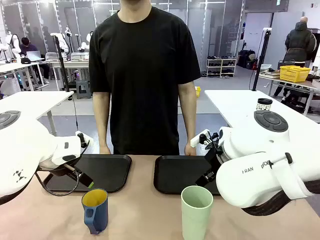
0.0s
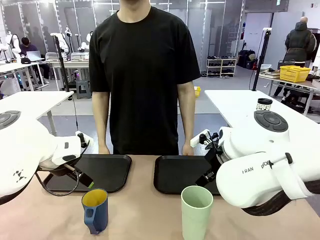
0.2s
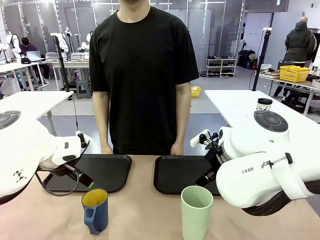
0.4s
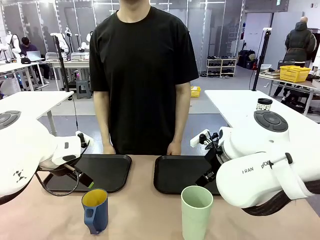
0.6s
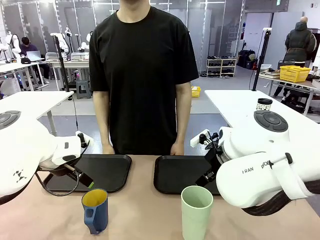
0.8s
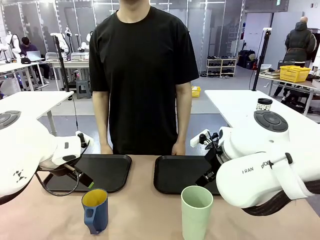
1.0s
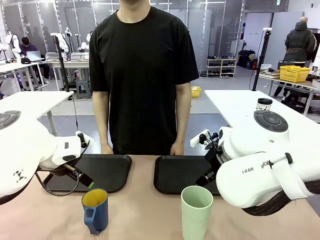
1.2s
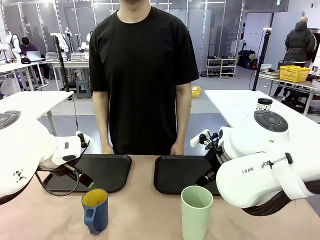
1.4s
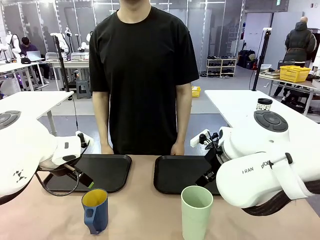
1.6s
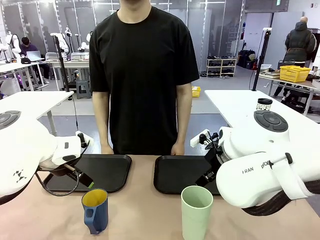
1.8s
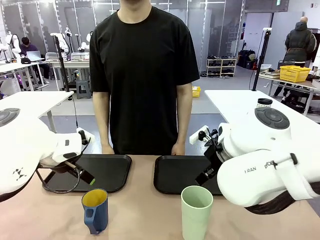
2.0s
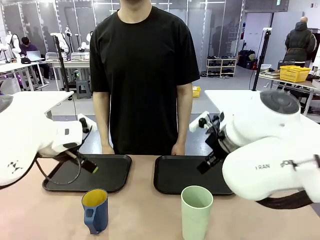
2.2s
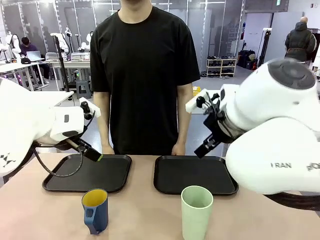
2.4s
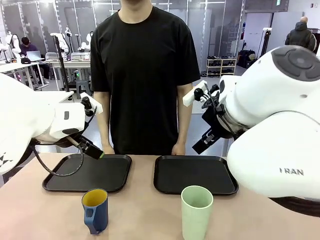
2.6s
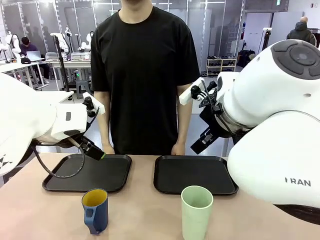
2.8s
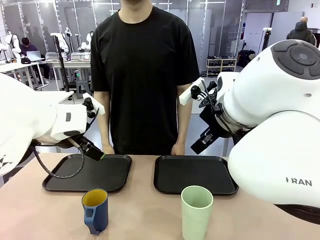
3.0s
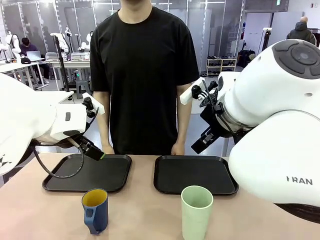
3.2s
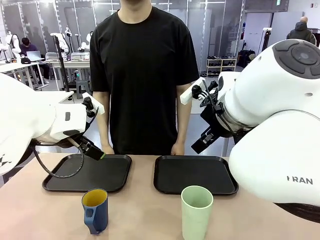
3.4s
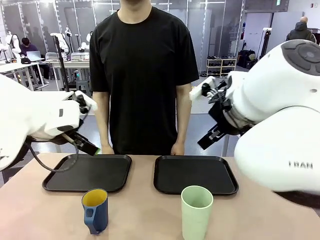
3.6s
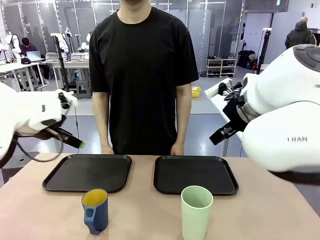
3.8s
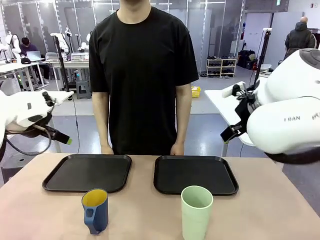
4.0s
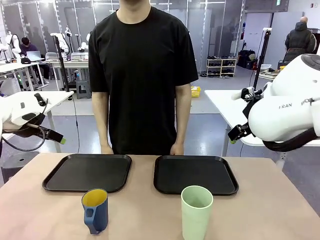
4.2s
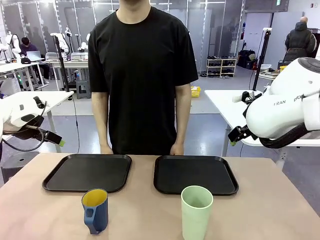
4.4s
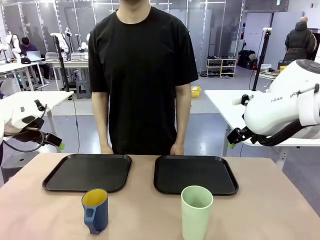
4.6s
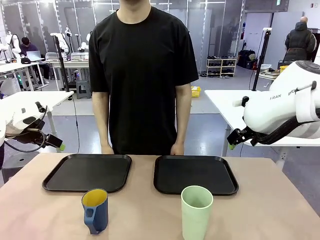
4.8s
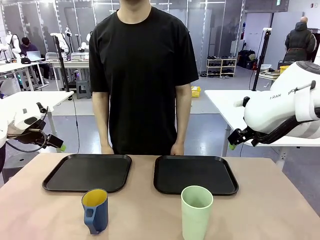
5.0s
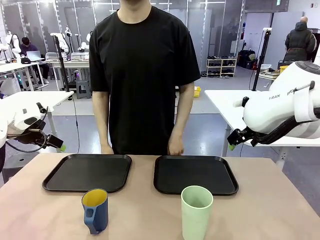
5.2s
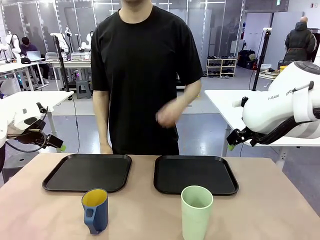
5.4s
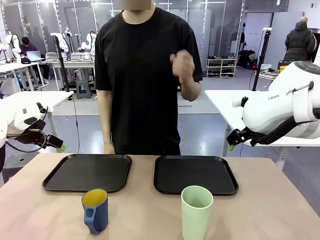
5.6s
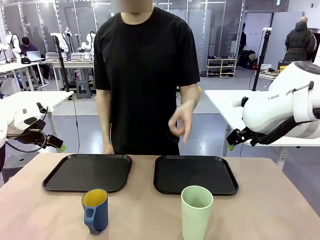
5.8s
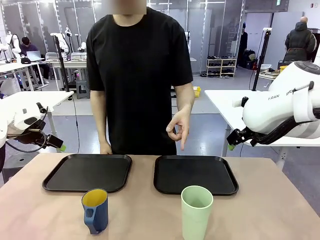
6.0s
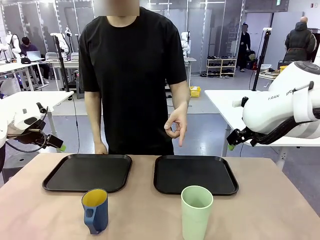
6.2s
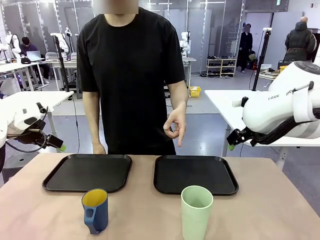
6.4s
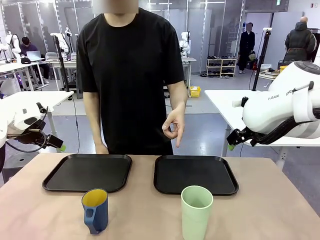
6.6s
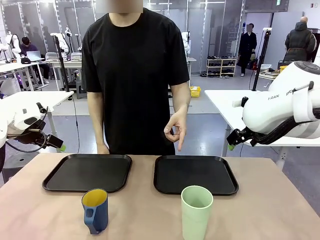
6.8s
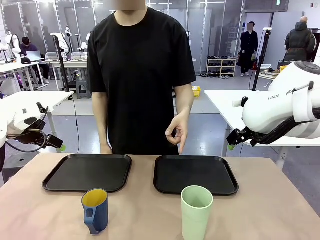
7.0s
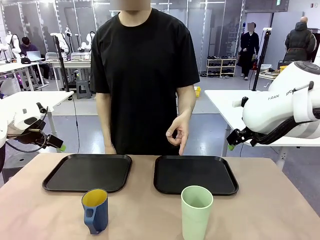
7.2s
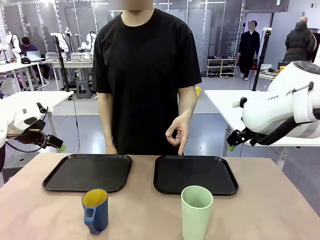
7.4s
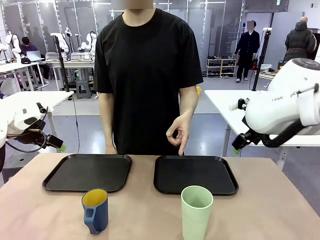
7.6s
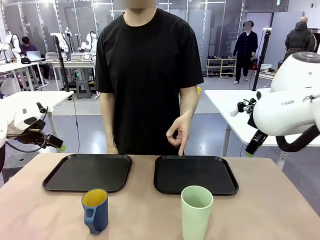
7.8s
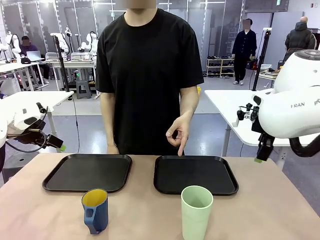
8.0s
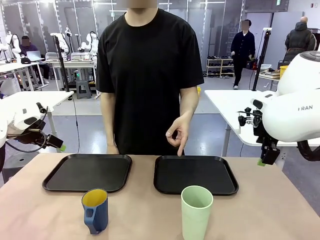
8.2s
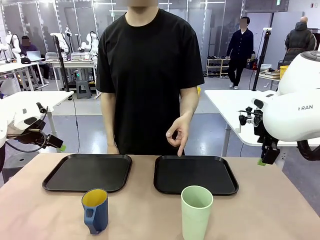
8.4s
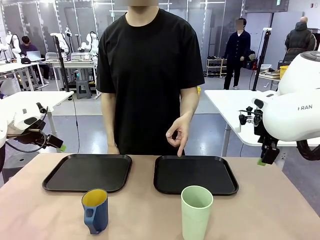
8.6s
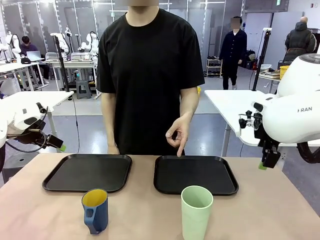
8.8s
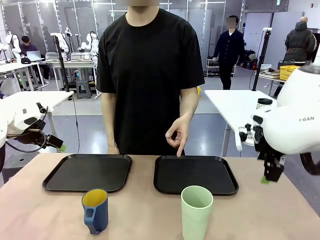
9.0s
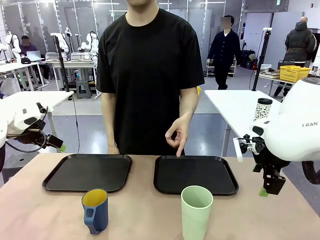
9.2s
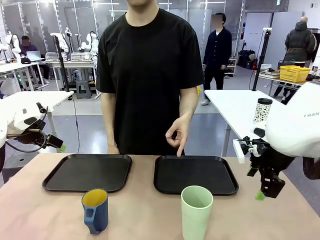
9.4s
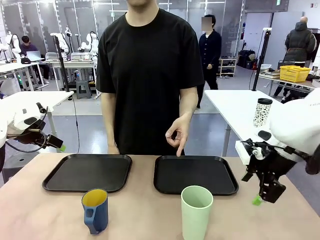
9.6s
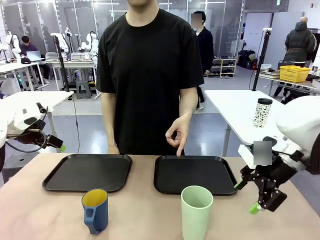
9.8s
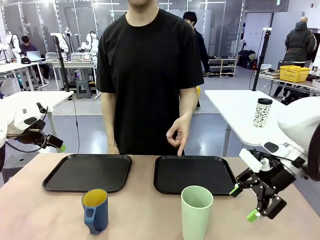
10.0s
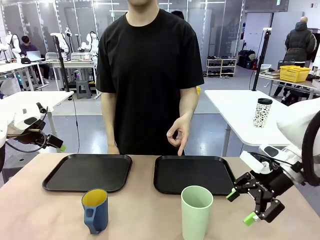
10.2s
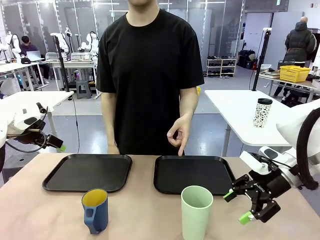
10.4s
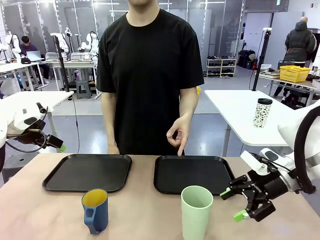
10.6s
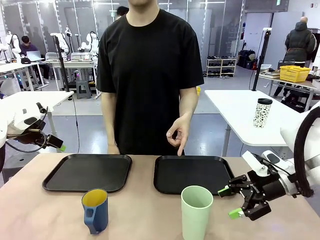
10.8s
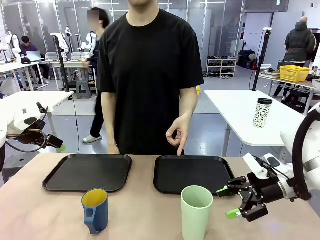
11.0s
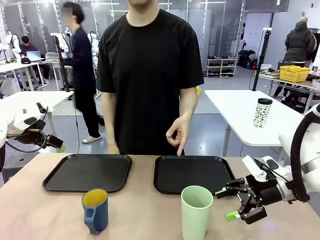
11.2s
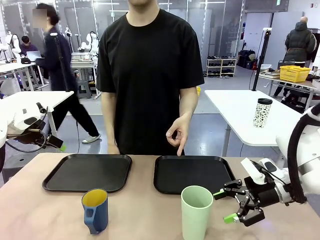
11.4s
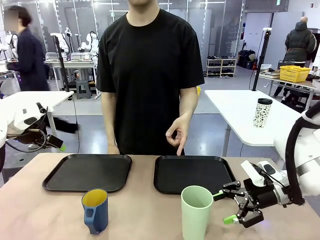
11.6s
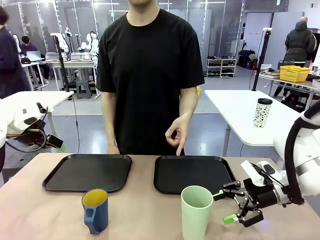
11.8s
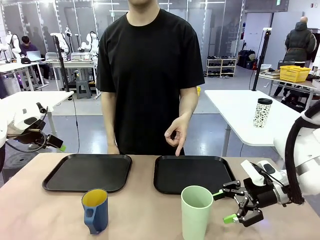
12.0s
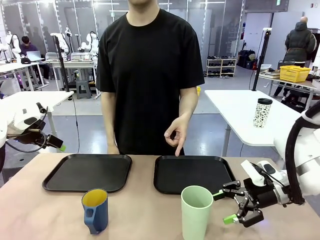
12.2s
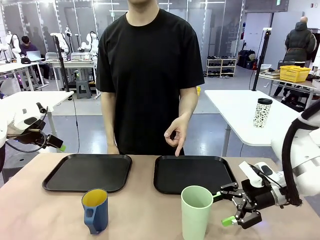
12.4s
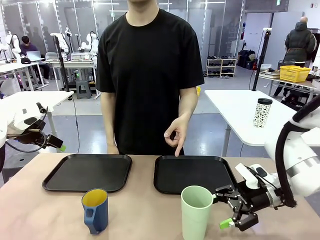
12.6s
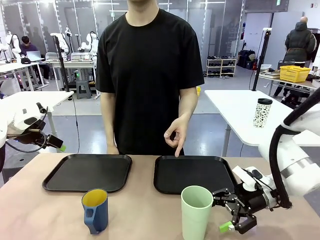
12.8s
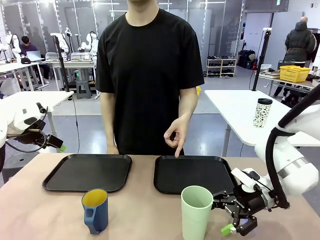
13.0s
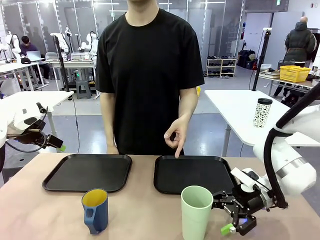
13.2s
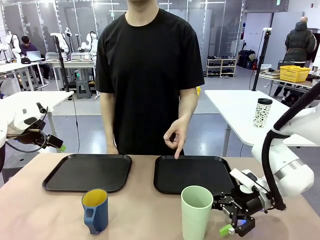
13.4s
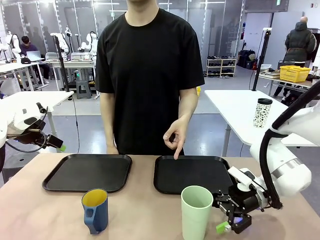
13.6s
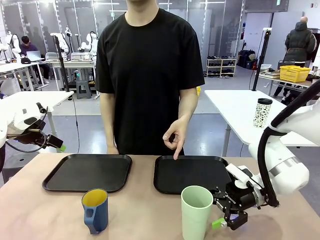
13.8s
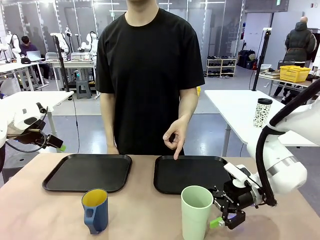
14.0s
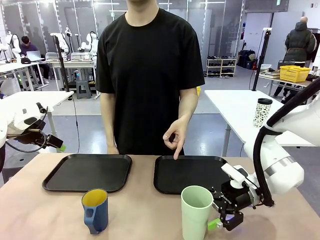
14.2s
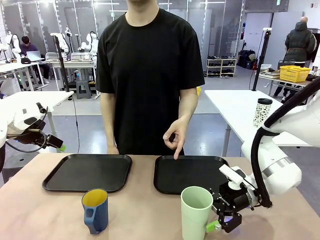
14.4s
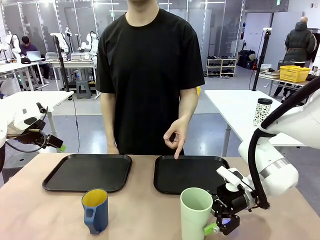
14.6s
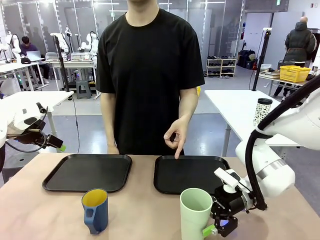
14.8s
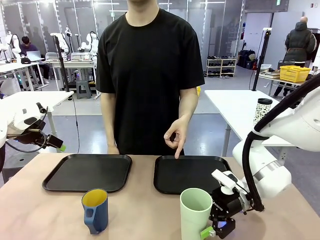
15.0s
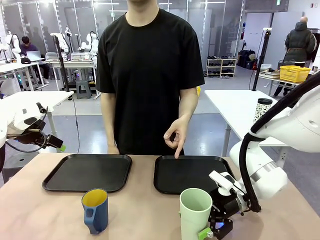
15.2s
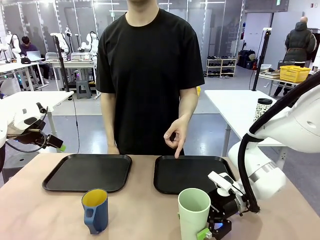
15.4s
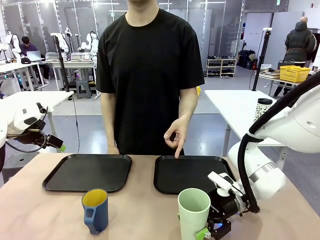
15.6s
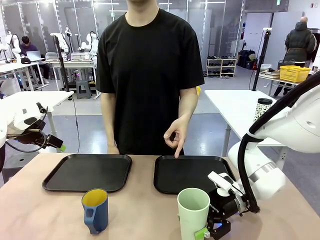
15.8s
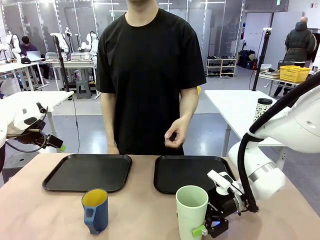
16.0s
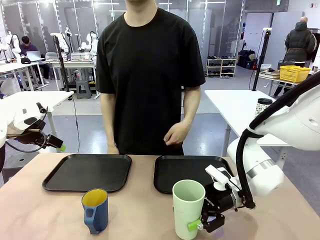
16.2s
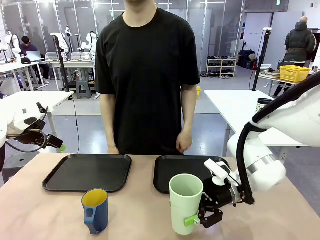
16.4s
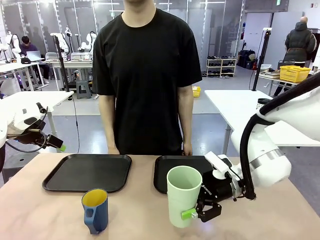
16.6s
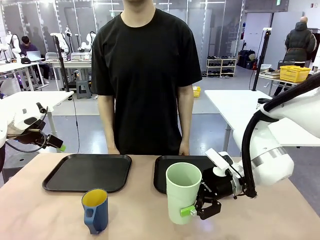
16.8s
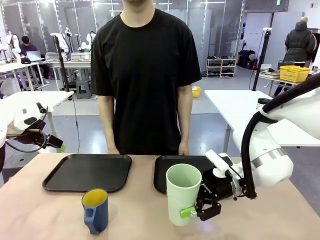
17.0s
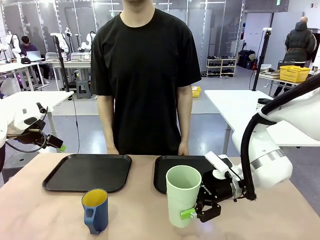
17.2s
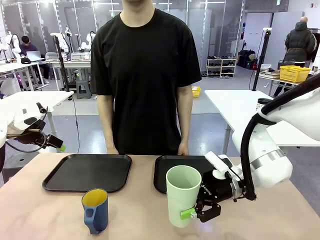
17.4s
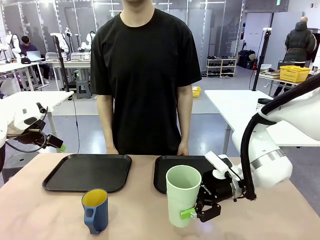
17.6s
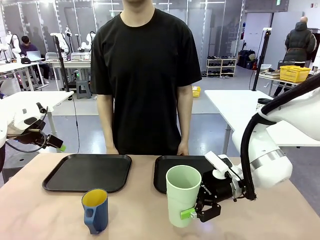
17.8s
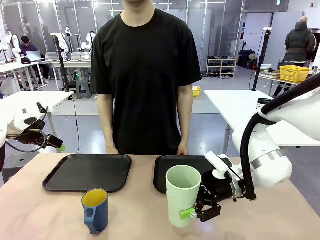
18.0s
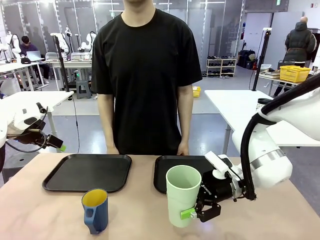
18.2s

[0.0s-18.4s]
Task: Sort and store the cups by type.
Robot: Pick up the Reusable plastic cup.
Person: Points to the reusable cup. Point to one of the two trays.
